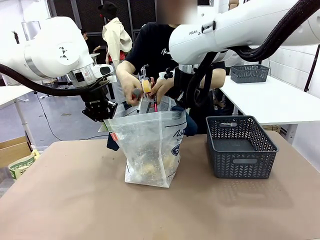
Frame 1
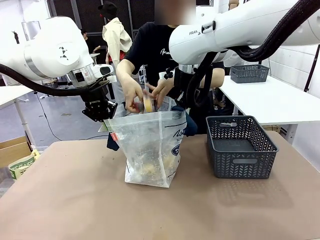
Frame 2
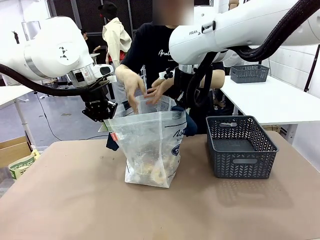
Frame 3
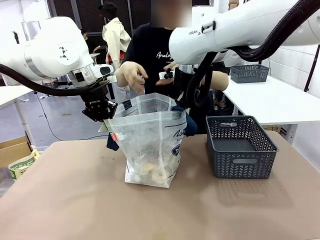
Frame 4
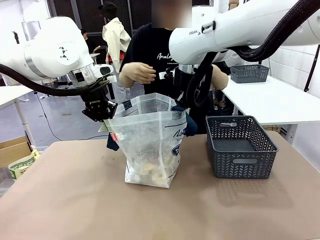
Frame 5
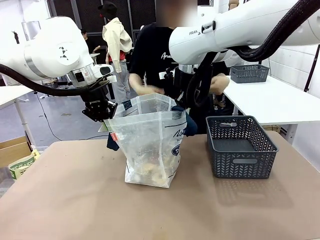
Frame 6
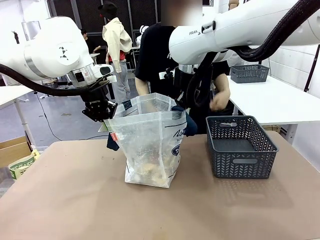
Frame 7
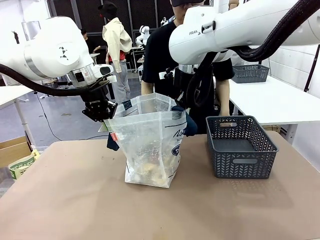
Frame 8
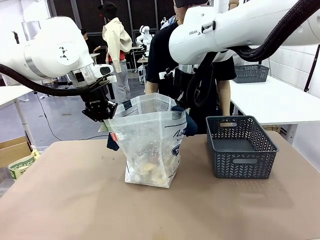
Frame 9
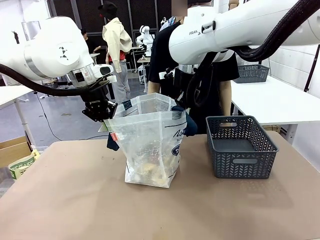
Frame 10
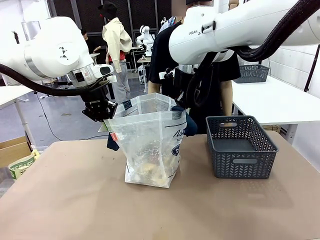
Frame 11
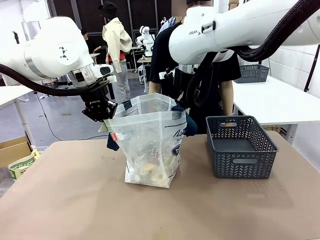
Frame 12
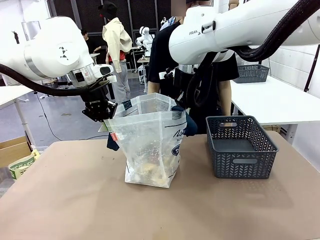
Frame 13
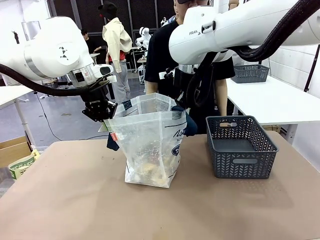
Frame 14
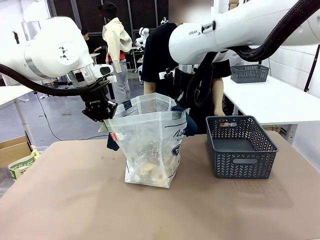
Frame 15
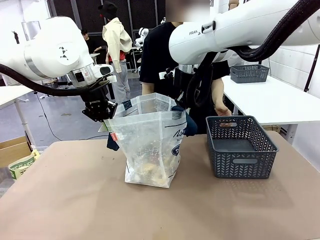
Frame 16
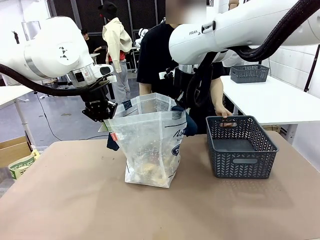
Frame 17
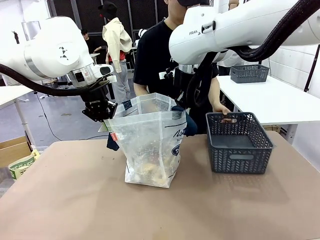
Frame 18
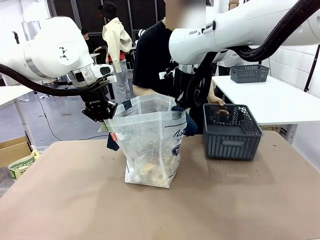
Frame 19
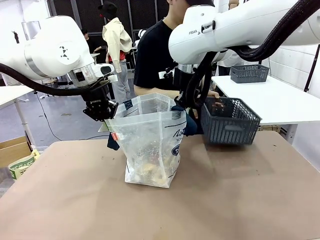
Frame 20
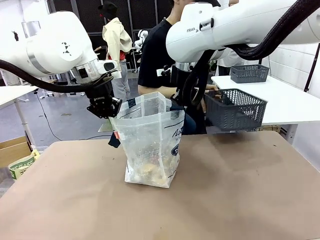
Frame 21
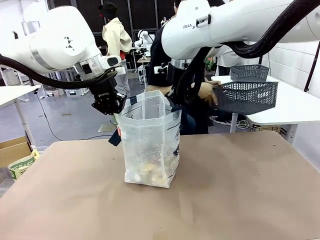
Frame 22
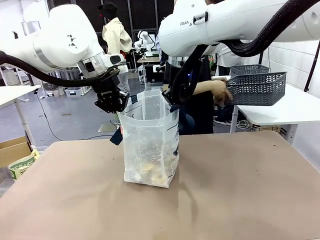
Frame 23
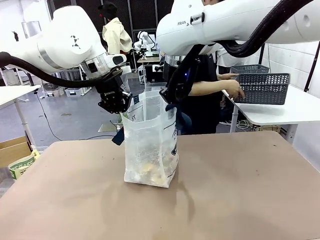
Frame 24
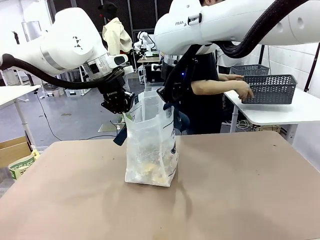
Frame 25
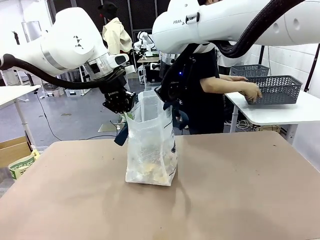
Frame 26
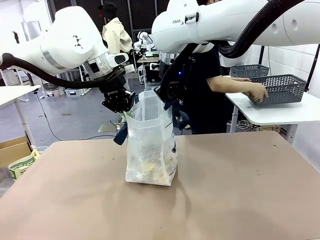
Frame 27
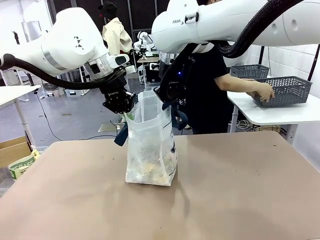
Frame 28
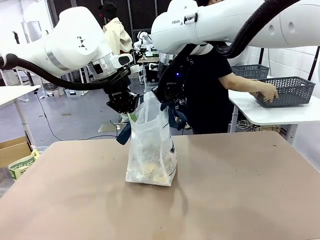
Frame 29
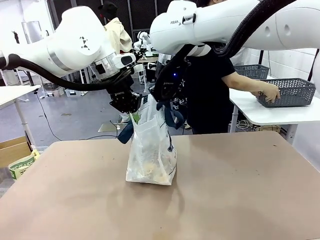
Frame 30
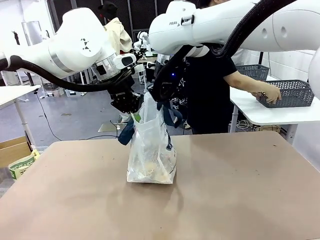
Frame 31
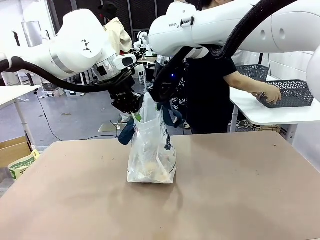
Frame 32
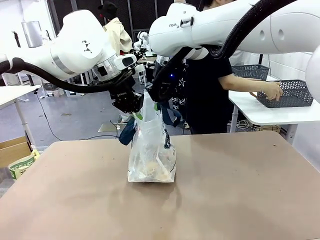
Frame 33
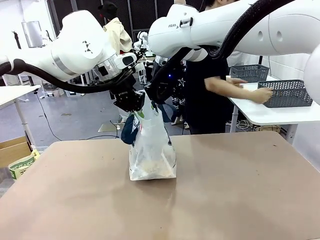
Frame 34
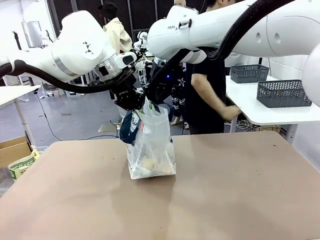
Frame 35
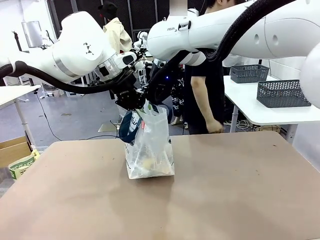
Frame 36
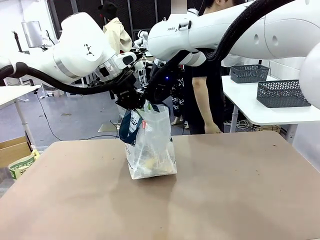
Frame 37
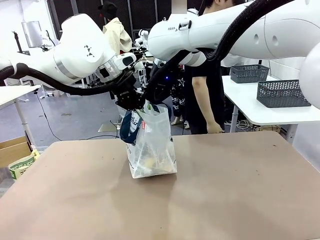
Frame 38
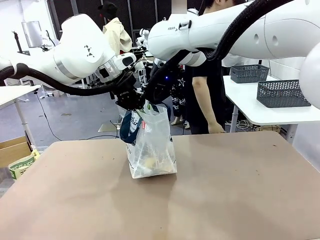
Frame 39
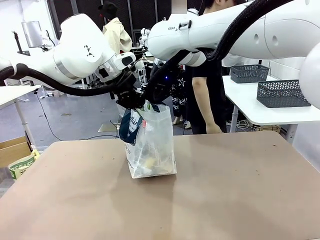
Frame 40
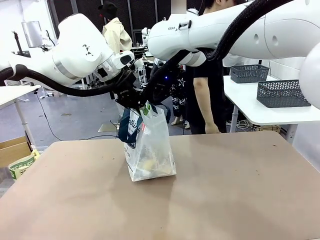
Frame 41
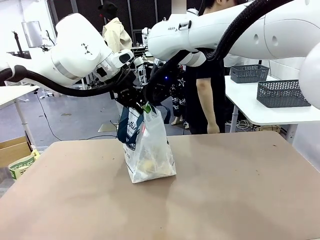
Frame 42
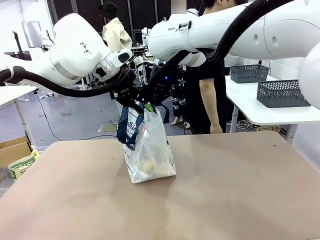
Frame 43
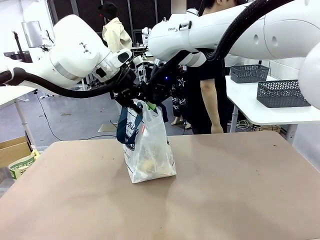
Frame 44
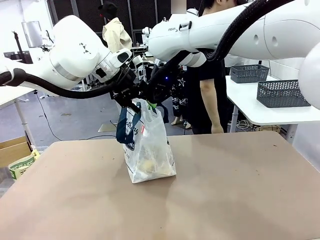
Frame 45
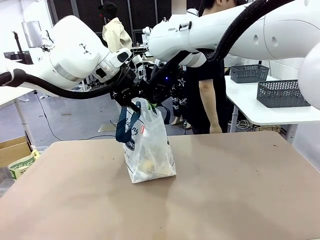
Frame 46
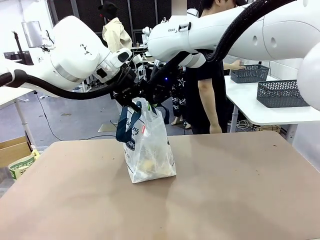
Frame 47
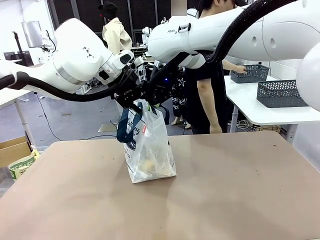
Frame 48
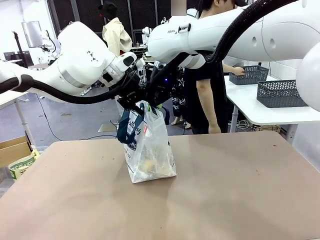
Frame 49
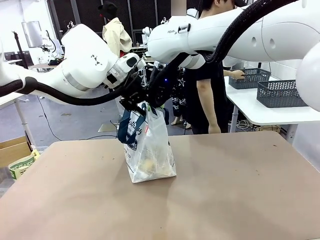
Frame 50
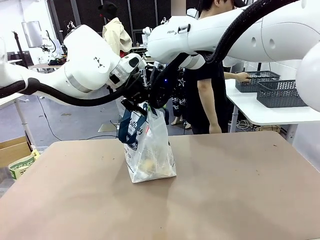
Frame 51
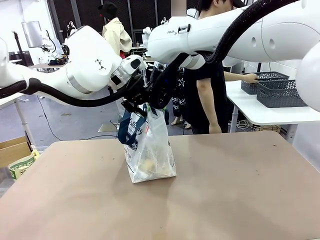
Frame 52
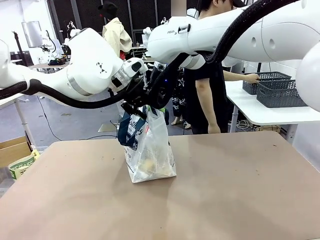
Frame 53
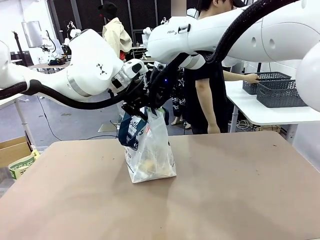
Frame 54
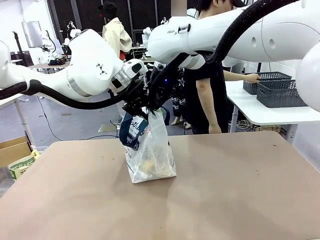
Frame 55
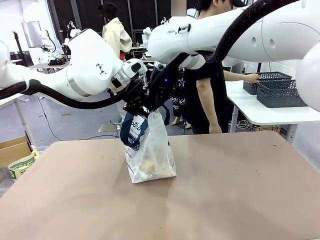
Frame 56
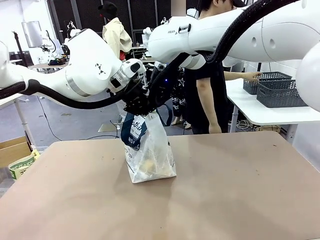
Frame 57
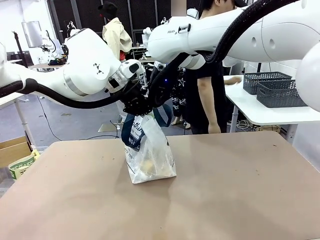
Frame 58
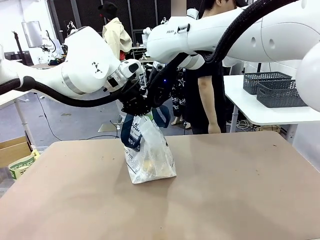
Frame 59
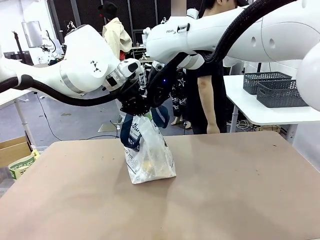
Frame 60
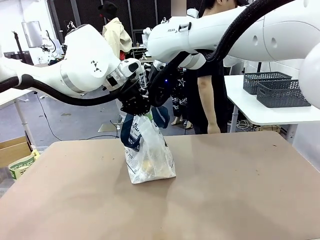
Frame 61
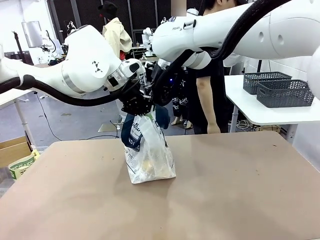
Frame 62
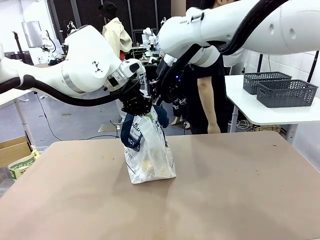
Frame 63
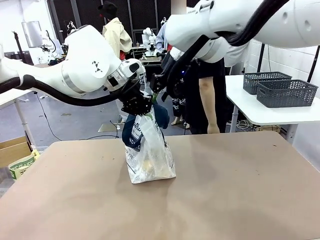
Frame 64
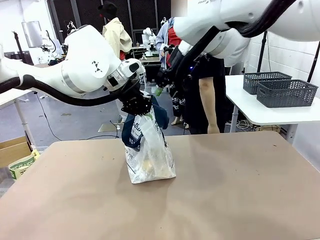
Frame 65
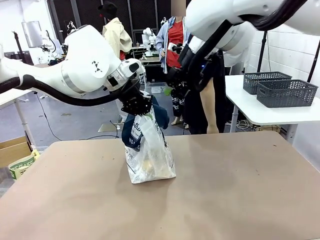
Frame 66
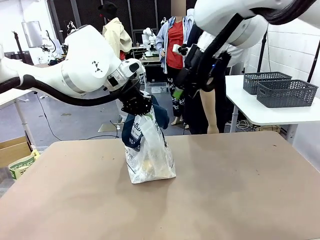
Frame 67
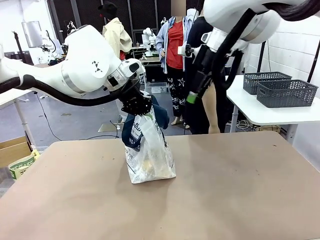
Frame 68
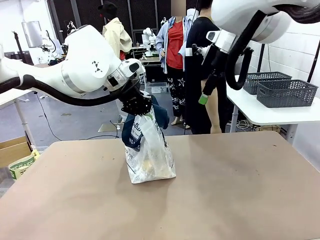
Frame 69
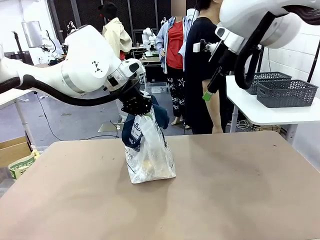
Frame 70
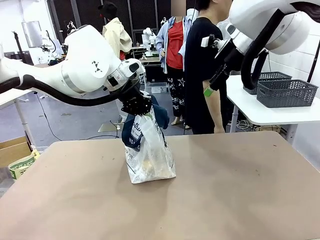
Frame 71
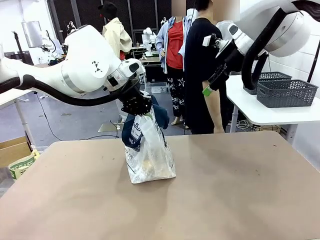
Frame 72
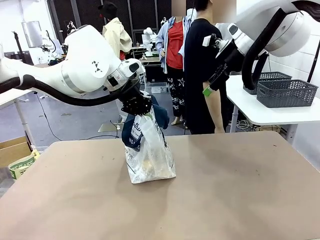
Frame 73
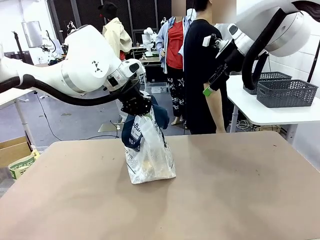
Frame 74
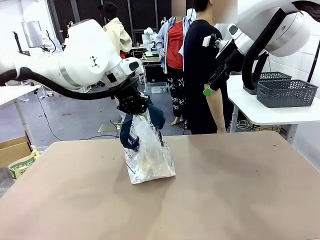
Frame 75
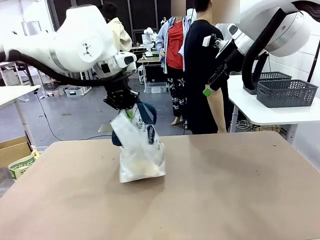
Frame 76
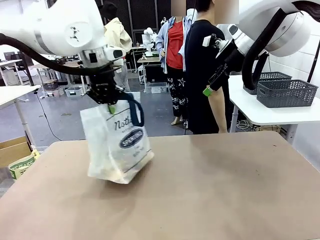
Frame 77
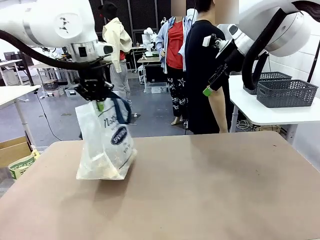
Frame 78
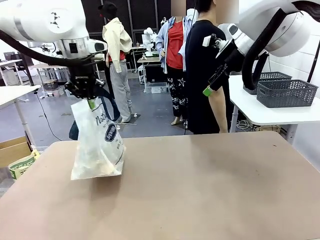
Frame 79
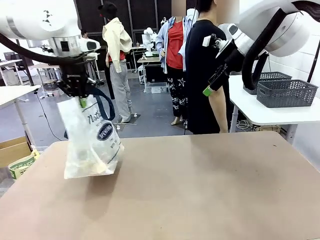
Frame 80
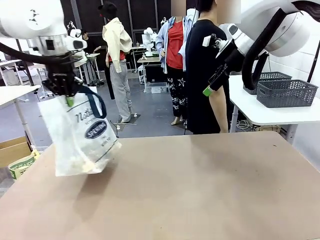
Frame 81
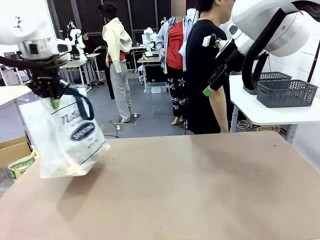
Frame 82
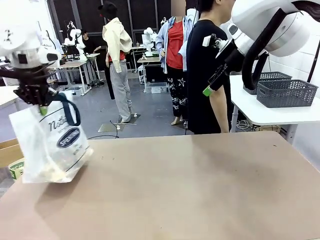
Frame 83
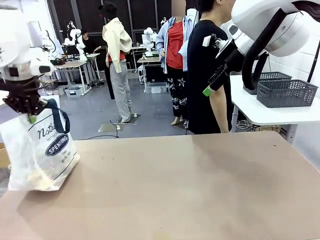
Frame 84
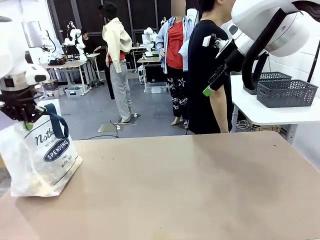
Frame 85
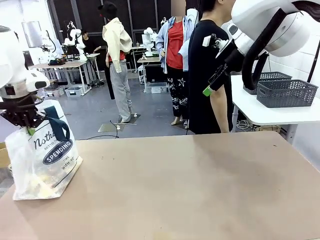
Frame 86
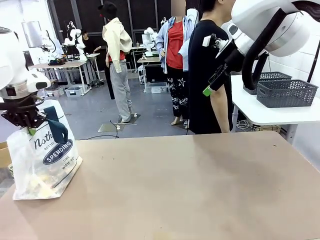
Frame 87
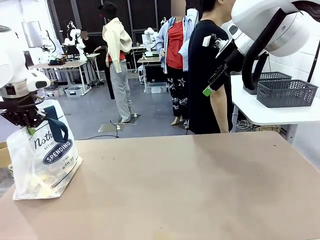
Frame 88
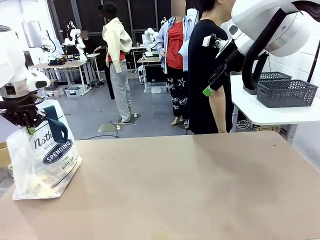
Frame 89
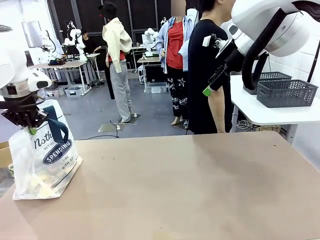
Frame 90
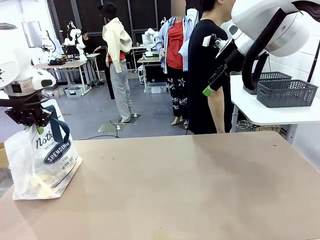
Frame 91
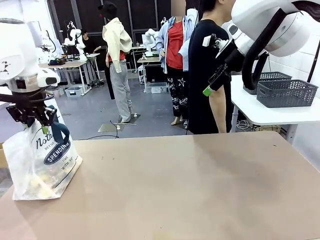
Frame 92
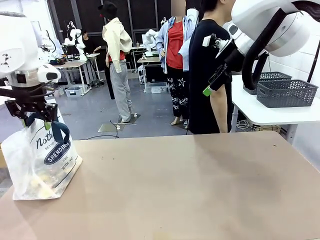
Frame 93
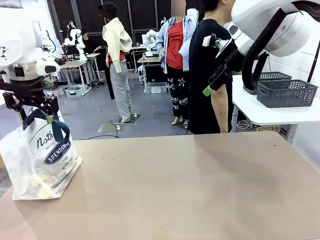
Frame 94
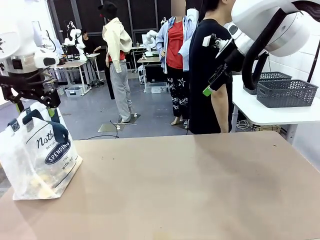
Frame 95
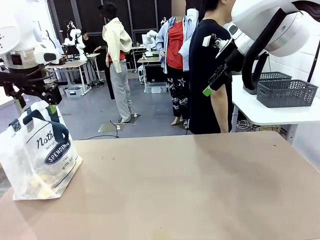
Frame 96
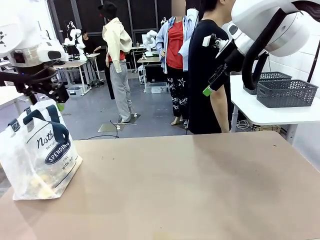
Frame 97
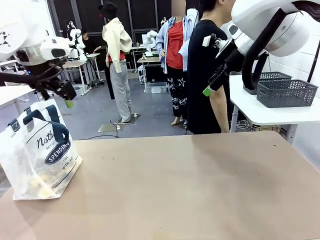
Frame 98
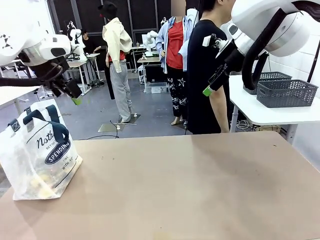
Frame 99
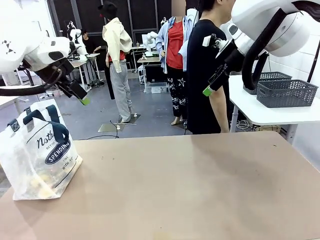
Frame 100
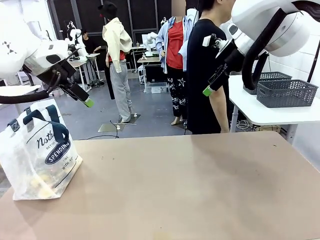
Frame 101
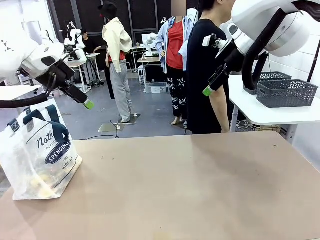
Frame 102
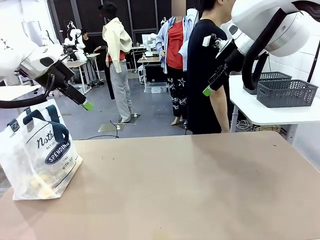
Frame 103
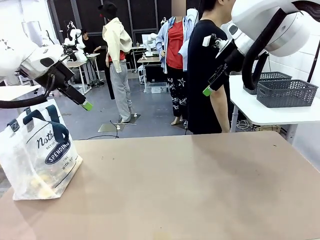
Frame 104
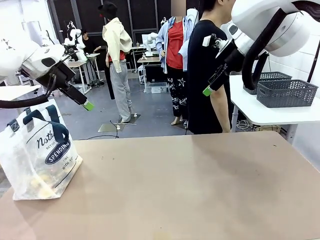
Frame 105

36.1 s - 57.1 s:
Task: Transfer purchased items from the store into the shopping bag.
Robot: Move the Reusable shopping bag to the right side of the table.
Person: Pick up the basket with the items out and place it on the right side of the human table. Move the basket on the left to the middle of the person's table.
